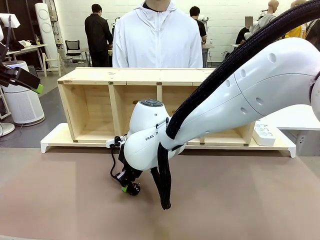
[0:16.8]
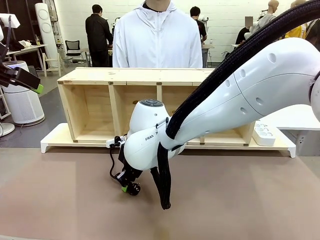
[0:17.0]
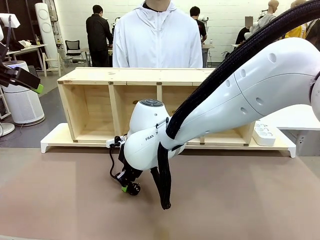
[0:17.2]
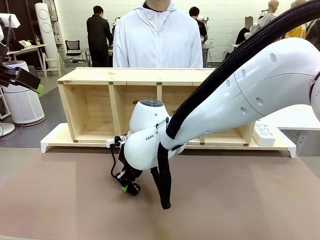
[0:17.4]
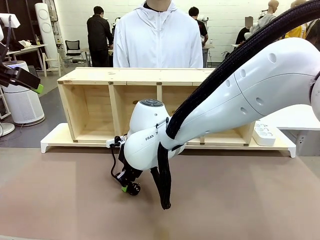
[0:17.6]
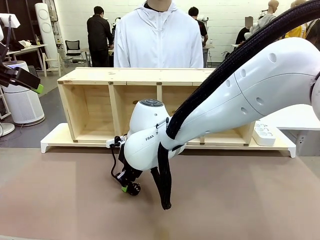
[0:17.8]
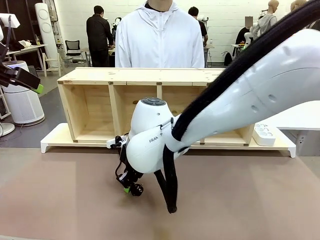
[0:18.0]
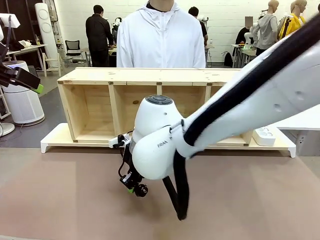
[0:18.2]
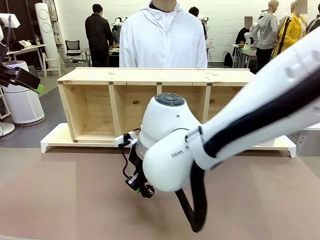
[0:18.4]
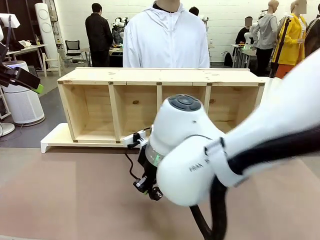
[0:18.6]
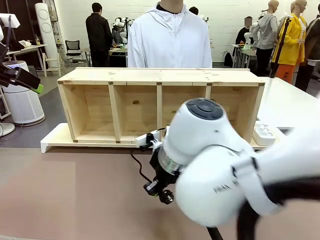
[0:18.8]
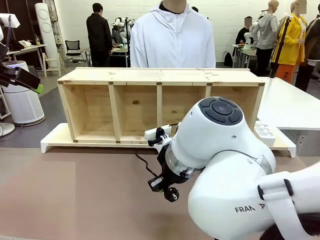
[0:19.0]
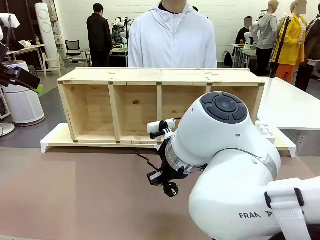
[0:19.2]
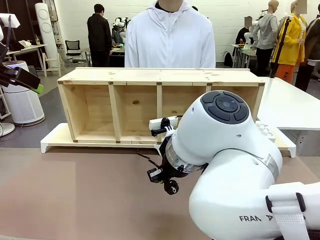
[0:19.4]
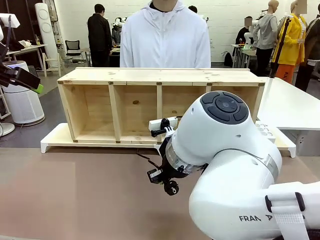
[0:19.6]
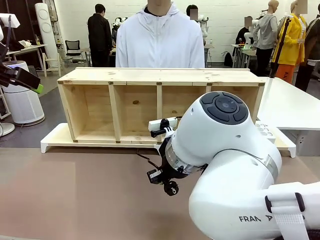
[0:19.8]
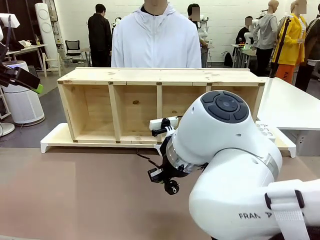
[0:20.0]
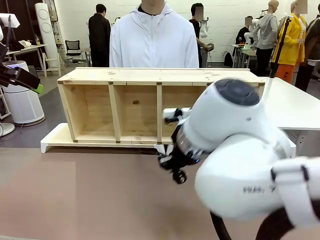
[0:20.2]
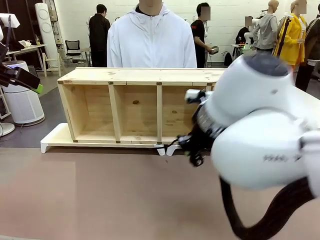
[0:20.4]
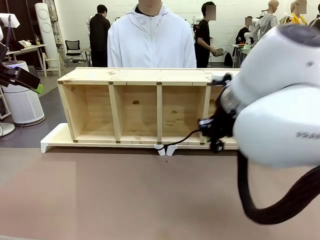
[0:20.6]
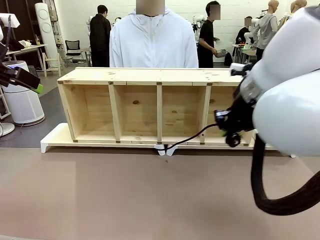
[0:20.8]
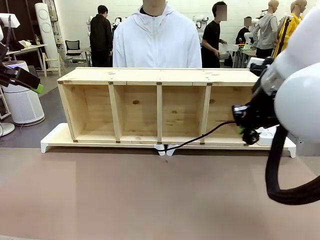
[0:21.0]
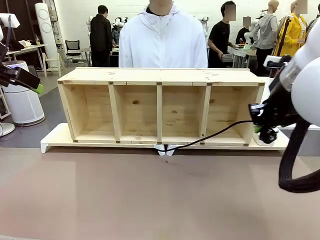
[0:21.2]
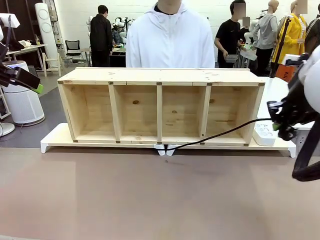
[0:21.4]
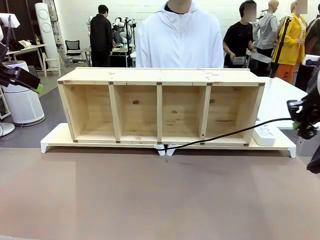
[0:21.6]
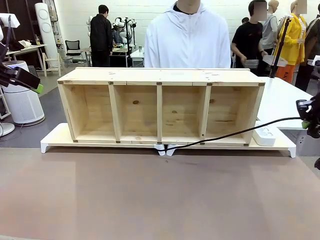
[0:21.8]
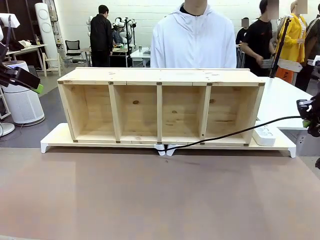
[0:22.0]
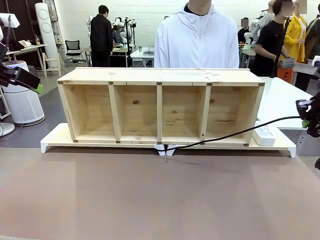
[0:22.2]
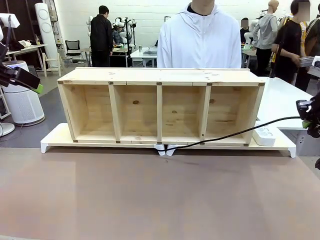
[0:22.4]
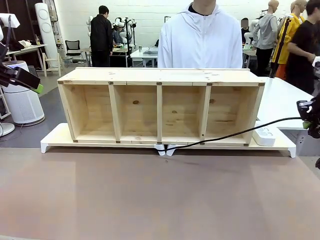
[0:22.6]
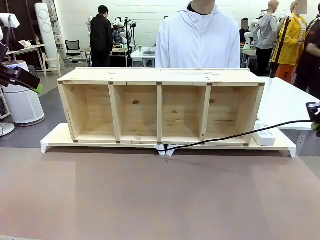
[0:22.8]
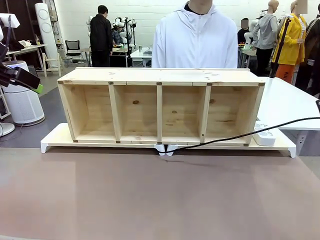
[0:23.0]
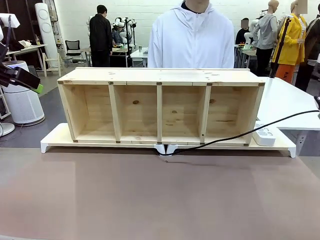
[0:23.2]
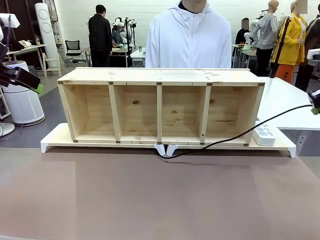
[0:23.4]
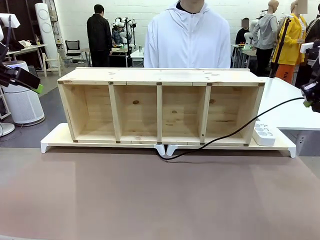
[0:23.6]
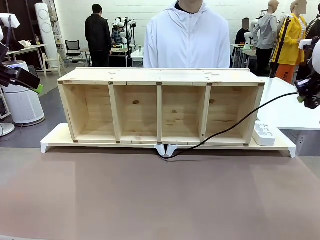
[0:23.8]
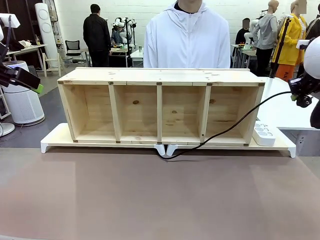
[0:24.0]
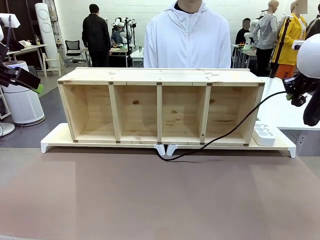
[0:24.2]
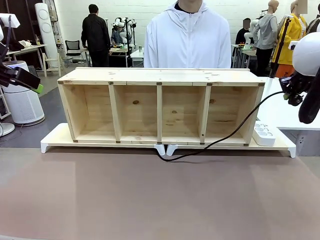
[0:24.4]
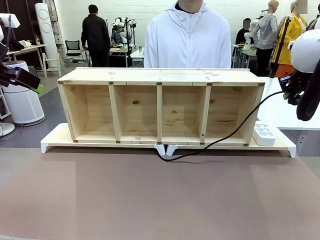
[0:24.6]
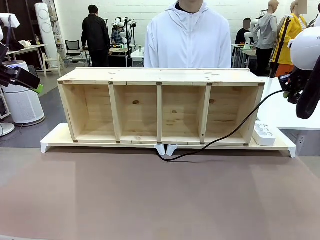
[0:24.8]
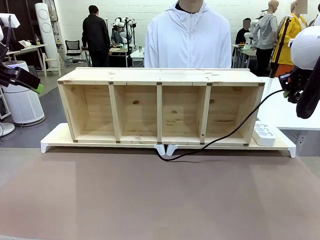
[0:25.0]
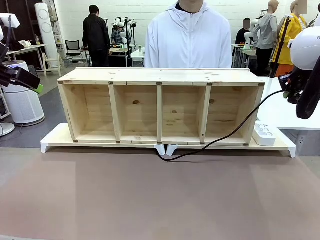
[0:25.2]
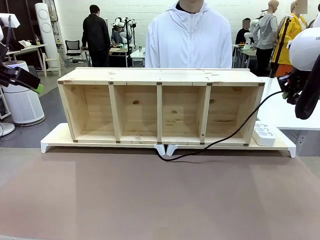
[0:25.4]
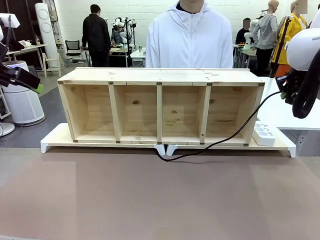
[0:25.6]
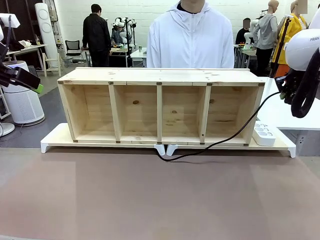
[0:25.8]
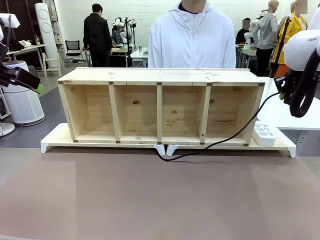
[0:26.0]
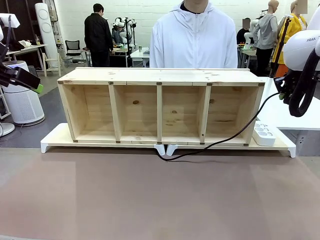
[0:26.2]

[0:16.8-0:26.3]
Task: Perform cable management.
Robot: Pull the grasped Power Cable to the location of the Power Strip.

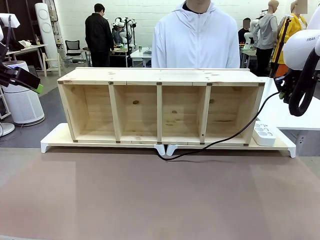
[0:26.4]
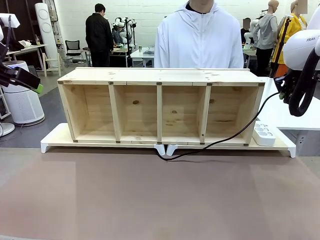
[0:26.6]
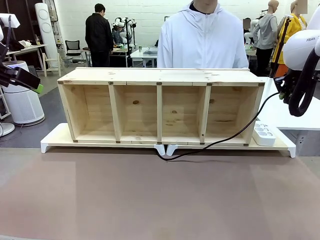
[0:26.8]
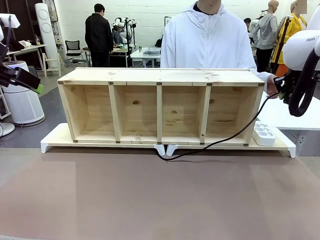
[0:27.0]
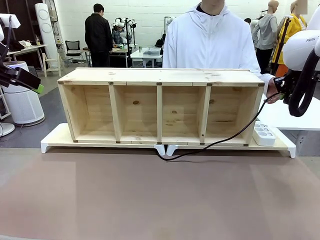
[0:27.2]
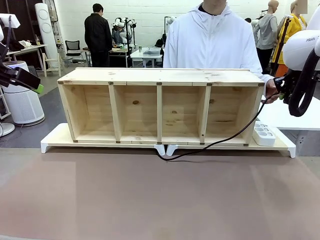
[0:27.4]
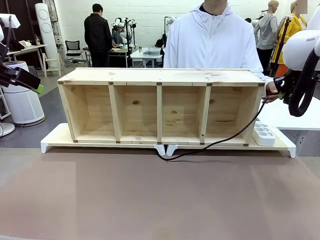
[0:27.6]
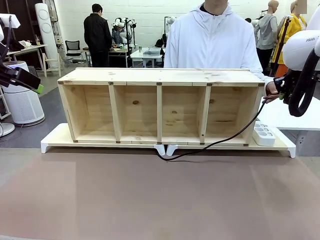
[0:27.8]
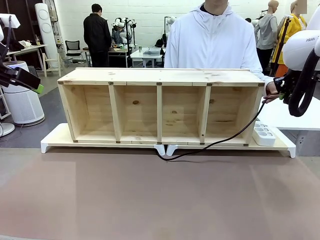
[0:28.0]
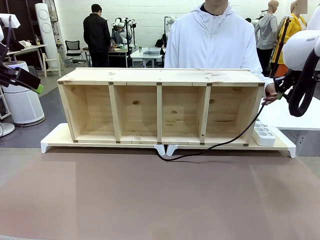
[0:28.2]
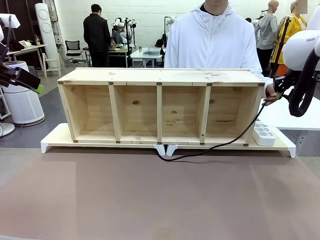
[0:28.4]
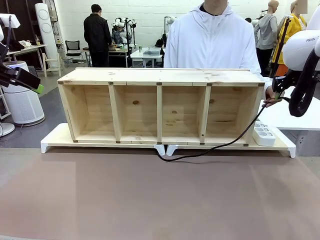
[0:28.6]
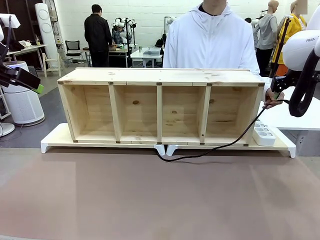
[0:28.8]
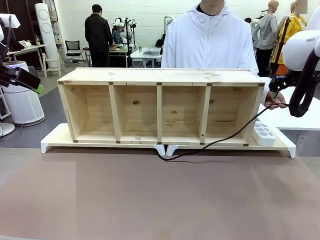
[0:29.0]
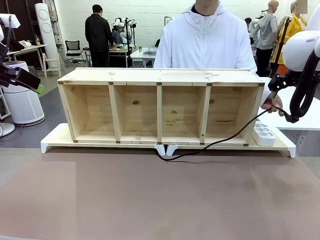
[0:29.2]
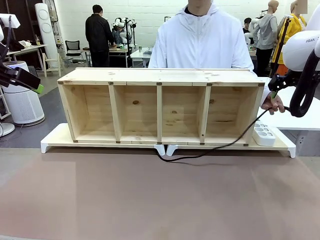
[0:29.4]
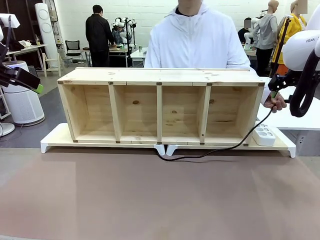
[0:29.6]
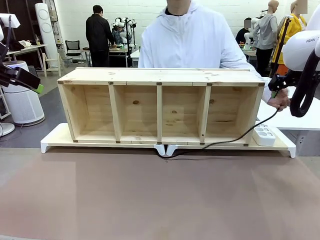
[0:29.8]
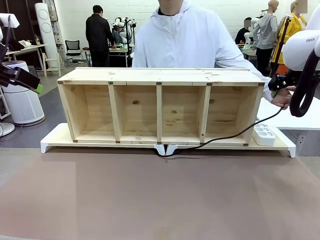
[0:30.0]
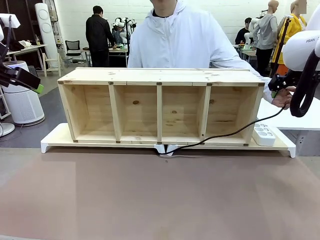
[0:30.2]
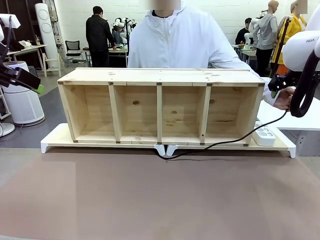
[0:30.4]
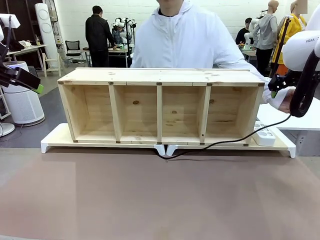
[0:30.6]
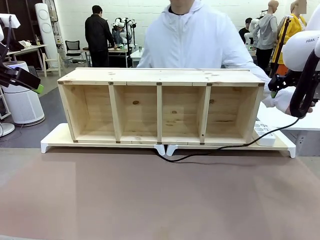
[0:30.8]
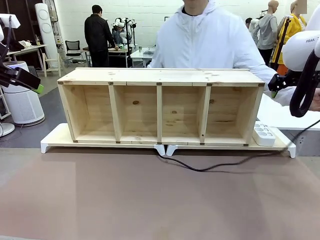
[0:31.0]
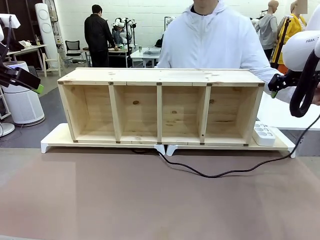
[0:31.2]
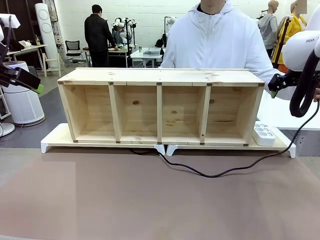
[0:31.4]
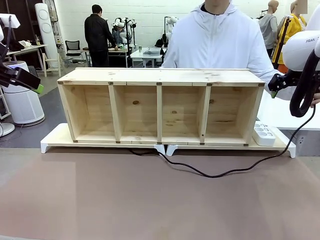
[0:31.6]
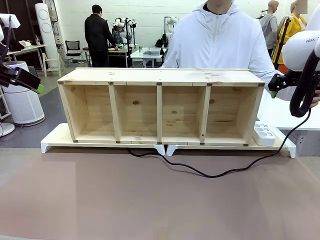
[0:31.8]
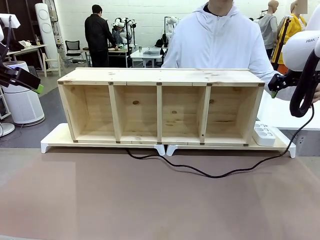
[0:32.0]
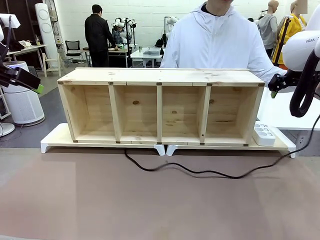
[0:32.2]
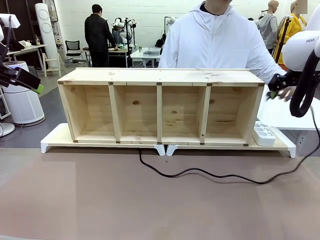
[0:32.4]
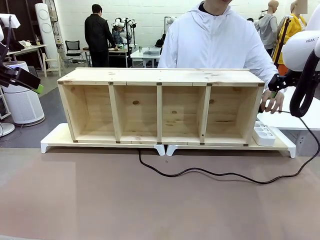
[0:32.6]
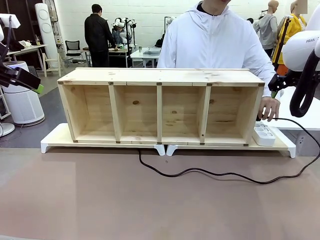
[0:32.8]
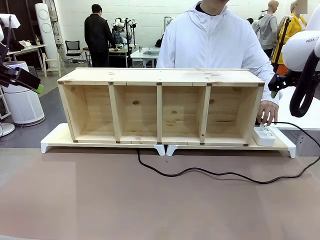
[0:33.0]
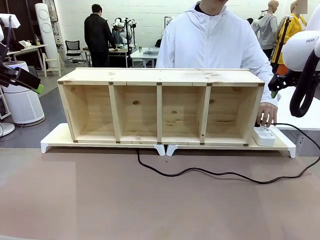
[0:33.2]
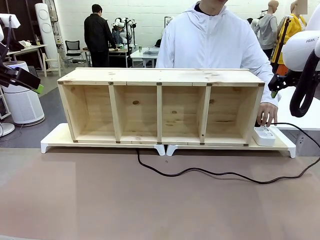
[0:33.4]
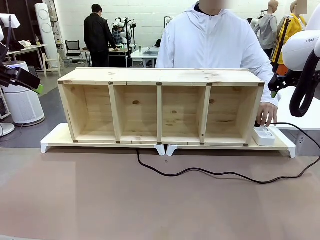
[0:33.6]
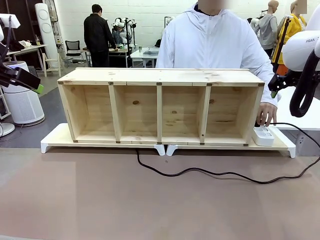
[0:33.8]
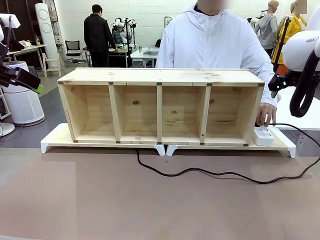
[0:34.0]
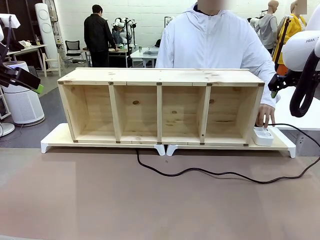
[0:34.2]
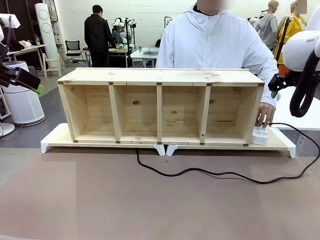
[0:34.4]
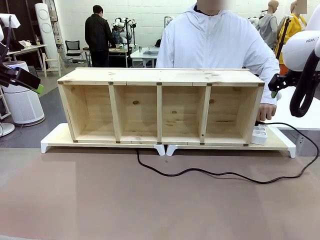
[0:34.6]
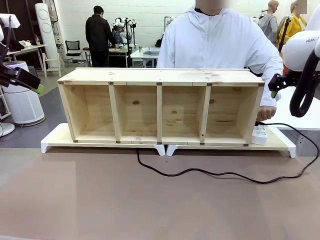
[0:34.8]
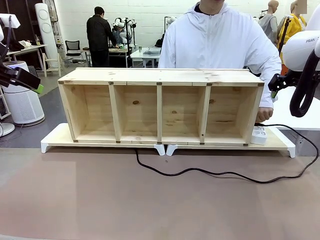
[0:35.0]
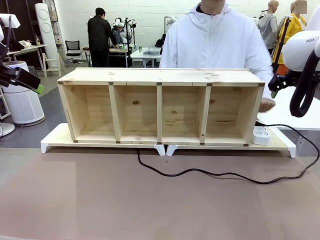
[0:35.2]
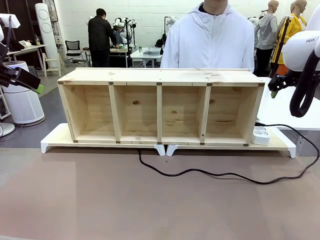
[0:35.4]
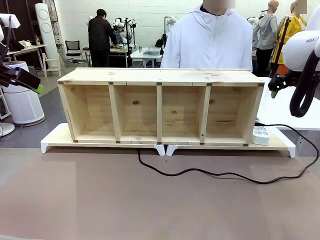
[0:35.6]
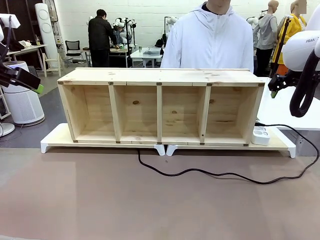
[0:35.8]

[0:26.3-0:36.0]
Robot: Release the Power Cable when the human grasps it.
Person: Plug the Power Cable into the Power Strip.
